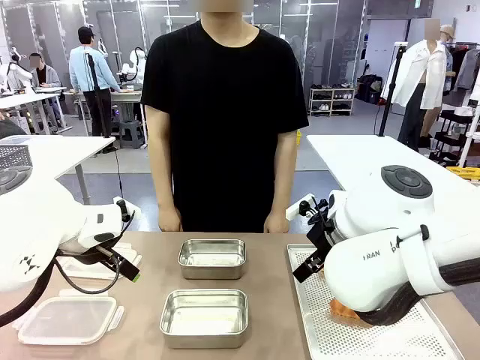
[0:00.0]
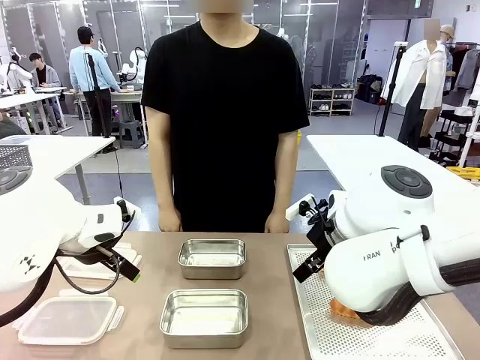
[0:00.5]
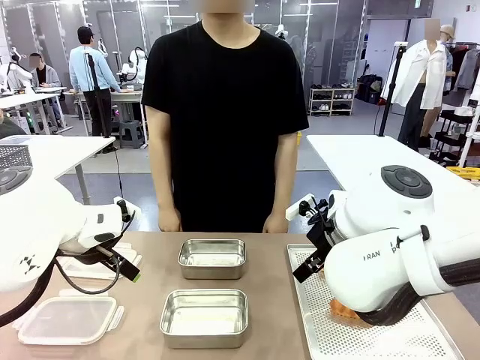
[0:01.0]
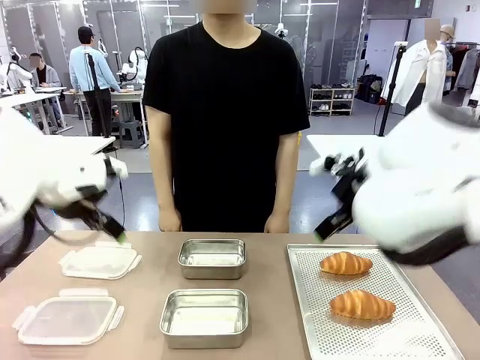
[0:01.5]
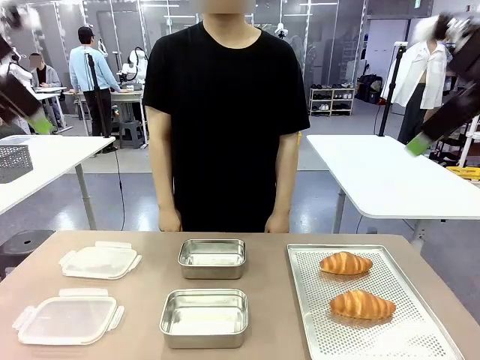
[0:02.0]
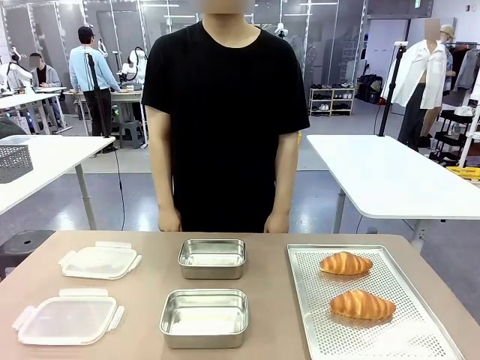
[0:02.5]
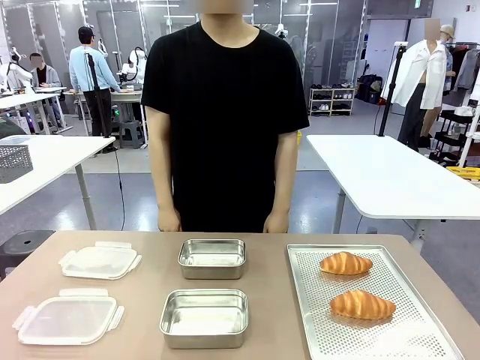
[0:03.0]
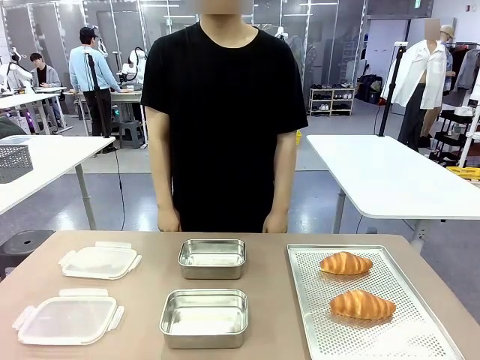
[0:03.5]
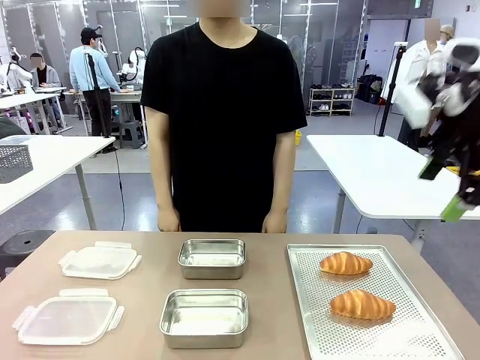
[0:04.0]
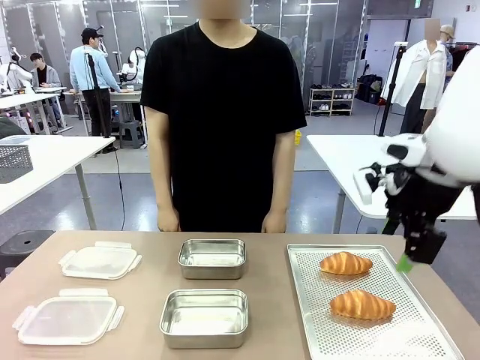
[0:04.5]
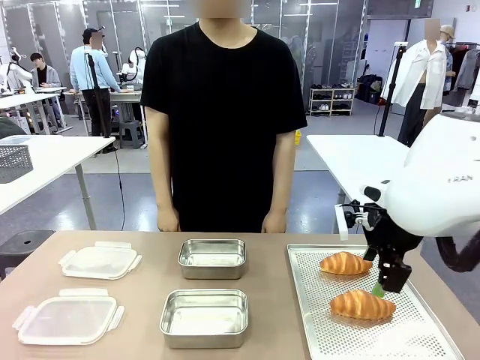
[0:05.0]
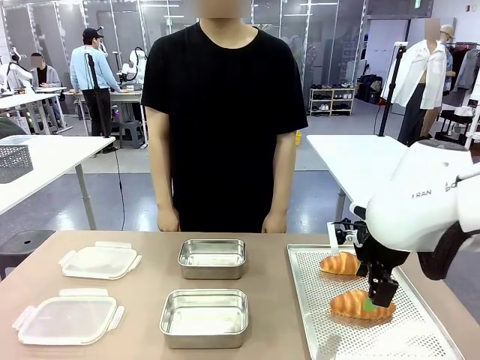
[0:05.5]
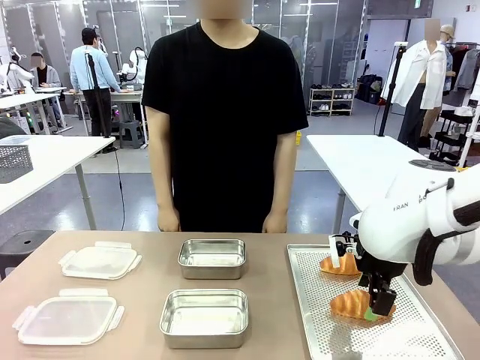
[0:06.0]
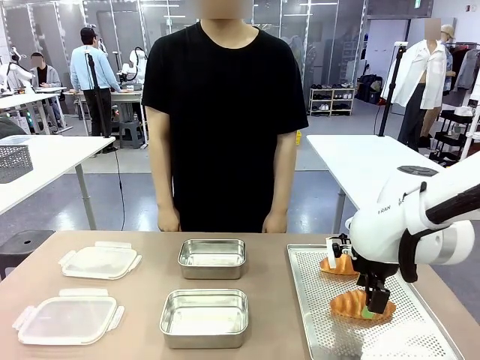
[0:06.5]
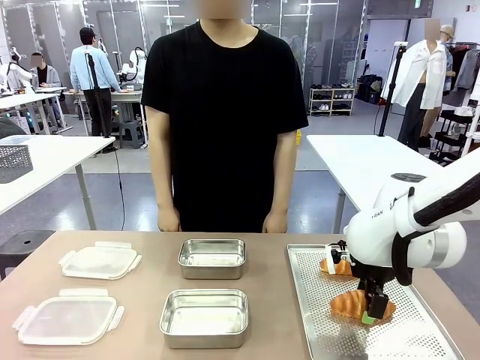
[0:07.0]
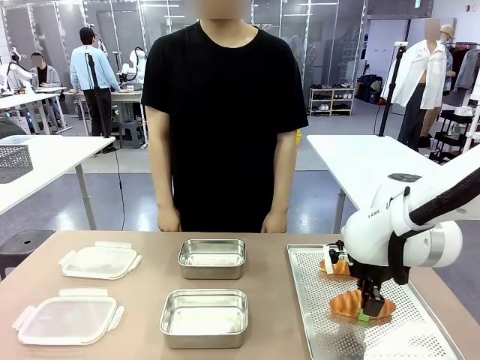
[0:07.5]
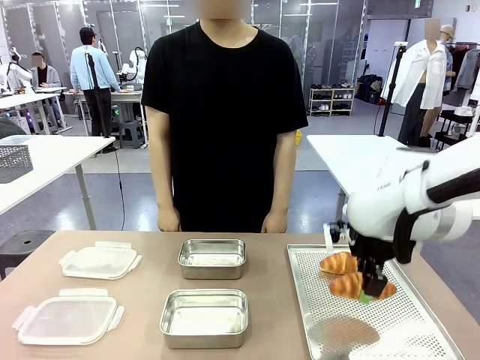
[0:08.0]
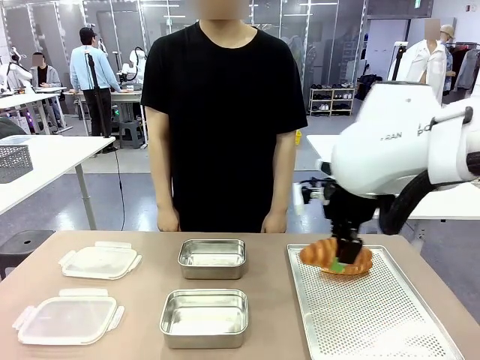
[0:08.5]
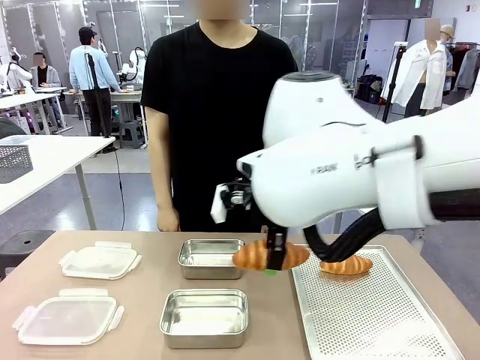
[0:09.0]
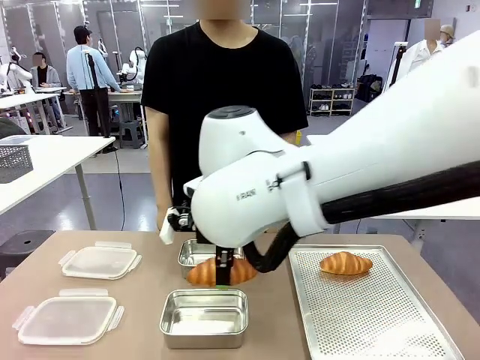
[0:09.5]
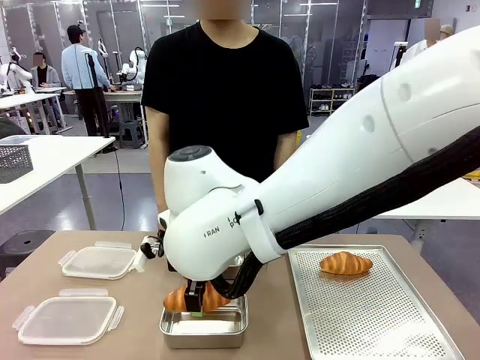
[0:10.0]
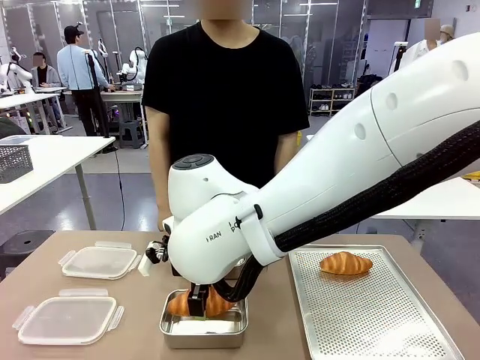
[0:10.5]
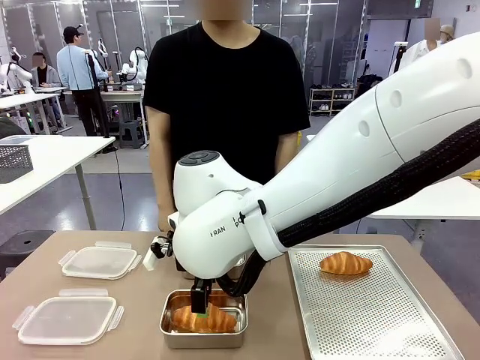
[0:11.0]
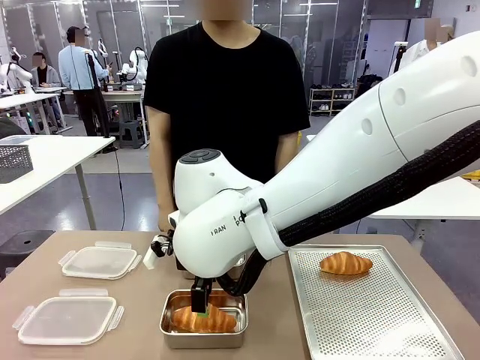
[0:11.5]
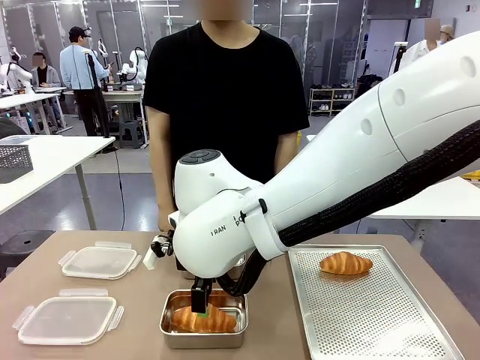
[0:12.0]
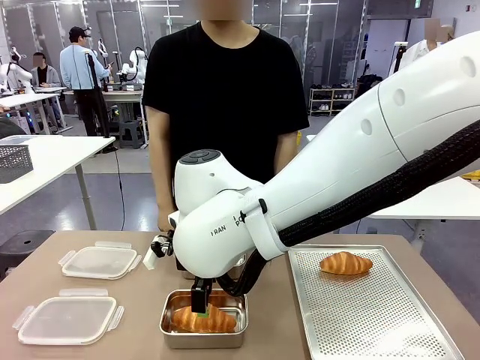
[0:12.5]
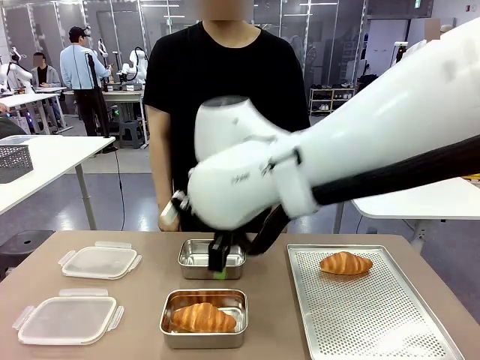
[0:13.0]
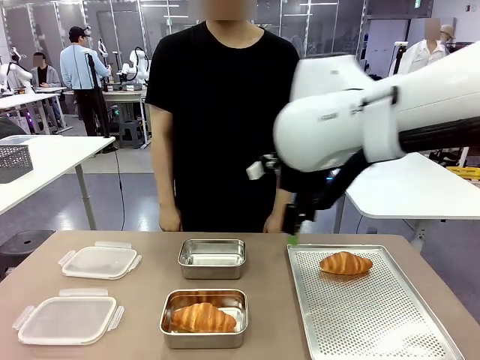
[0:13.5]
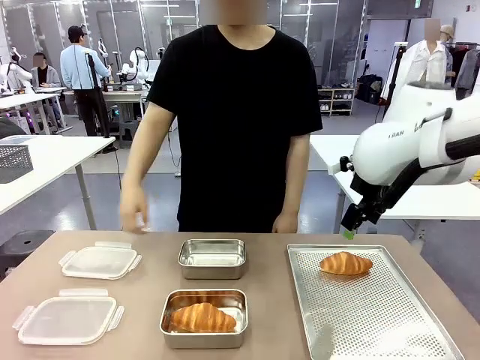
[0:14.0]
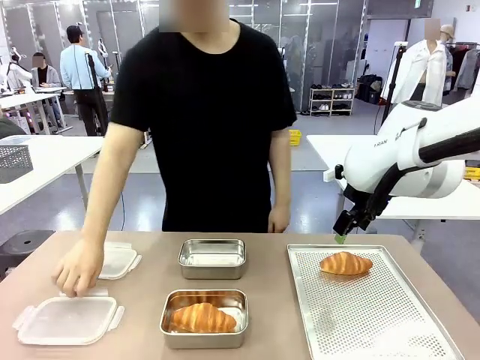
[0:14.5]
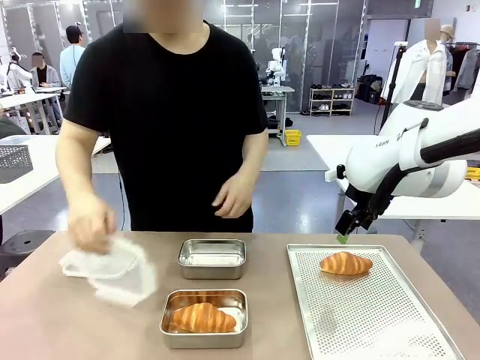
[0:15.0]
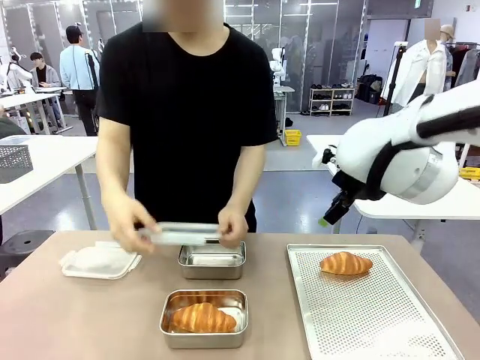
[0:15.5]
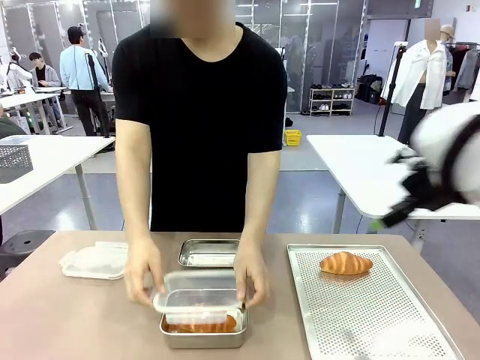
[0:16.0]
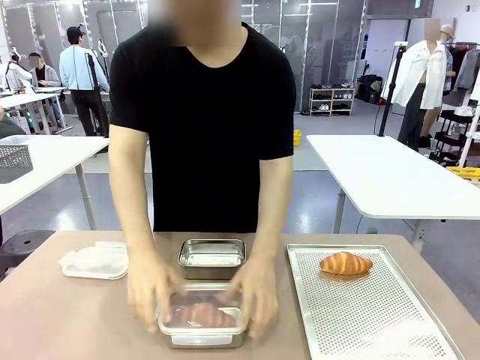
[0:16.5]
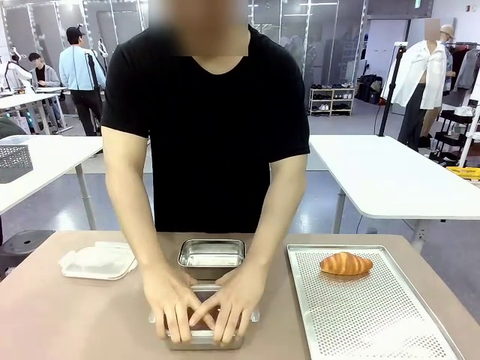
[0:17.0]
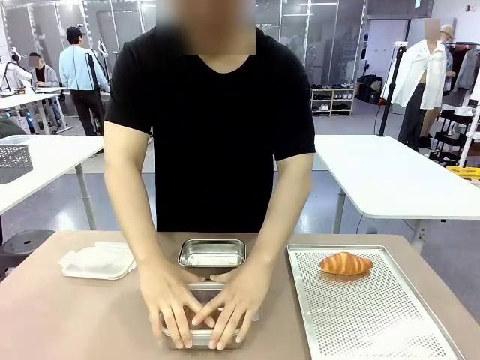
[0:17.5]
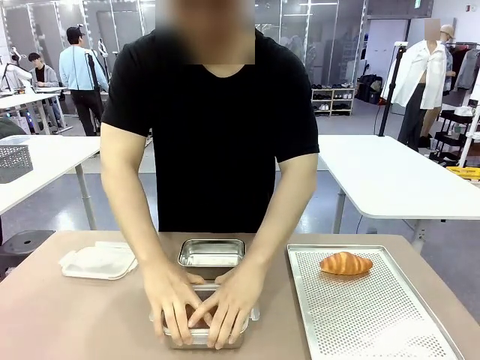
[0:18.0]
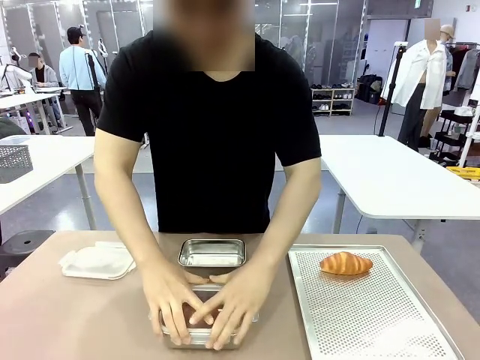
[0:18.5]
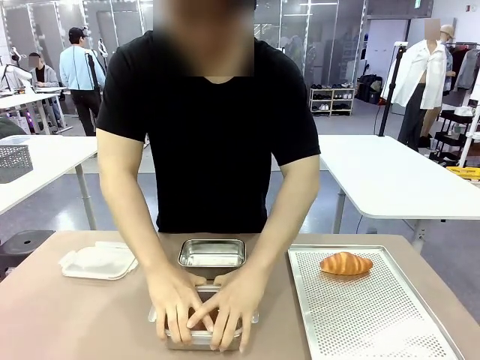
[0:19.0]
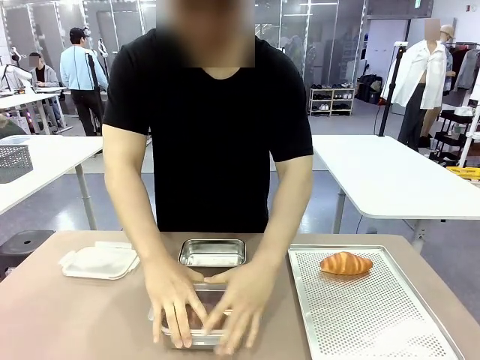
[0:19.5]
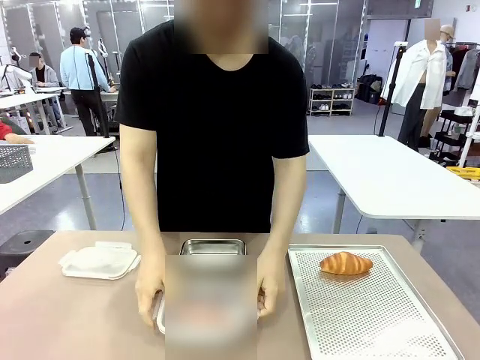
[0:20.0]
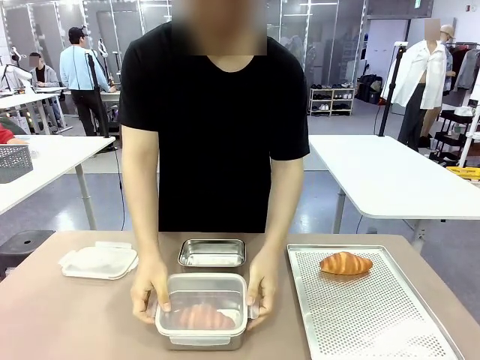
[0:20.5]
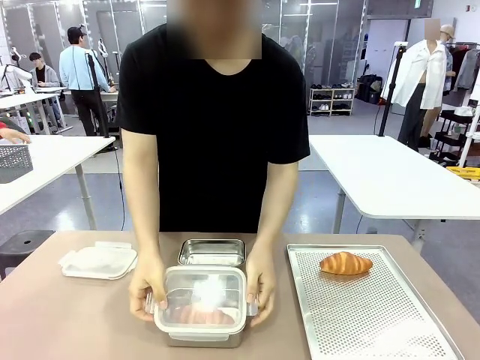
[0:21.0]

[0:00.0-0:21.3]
Task: Place the bread into the airtight container.
Robot: Pick up a Butter Roll and place it into an empty Airtight Container.
